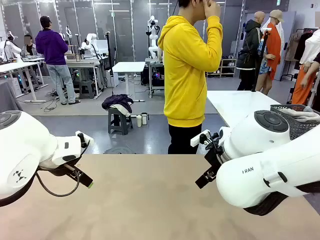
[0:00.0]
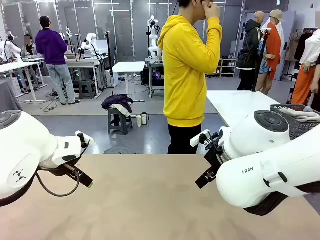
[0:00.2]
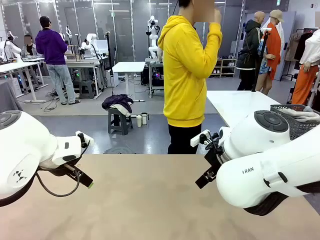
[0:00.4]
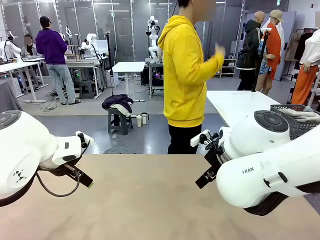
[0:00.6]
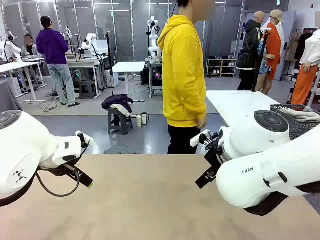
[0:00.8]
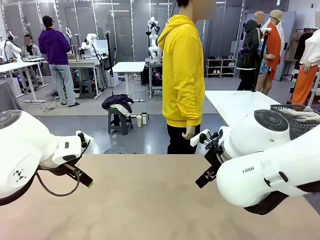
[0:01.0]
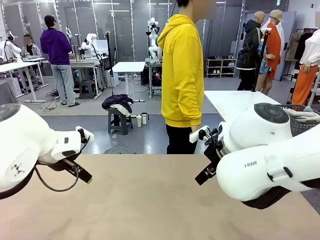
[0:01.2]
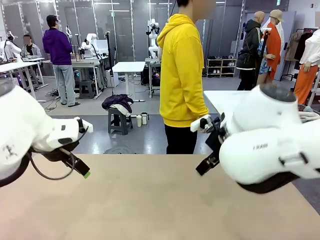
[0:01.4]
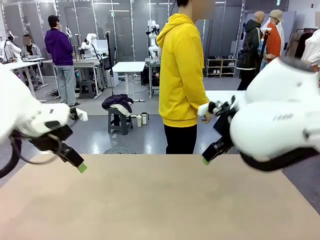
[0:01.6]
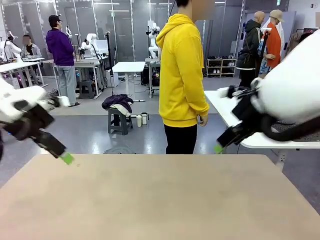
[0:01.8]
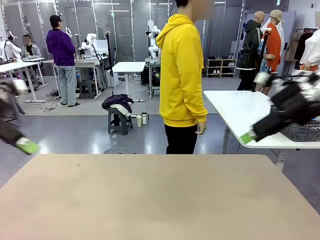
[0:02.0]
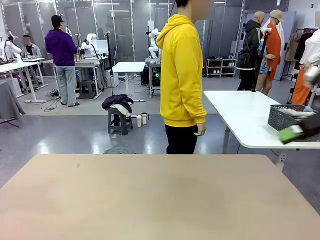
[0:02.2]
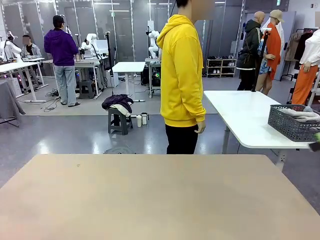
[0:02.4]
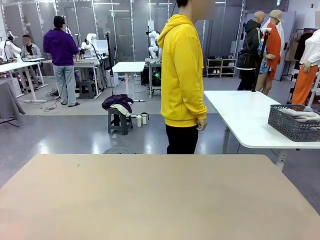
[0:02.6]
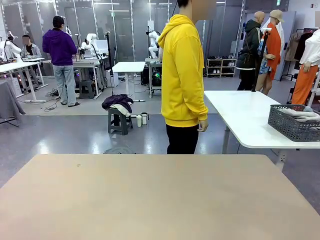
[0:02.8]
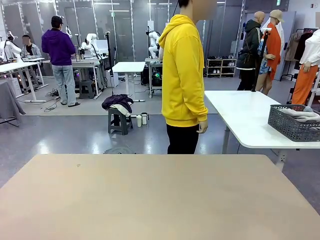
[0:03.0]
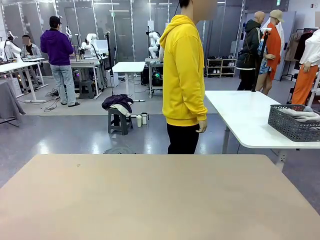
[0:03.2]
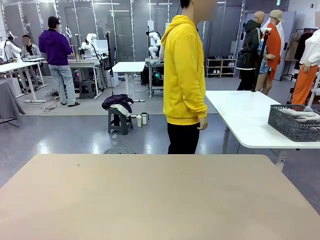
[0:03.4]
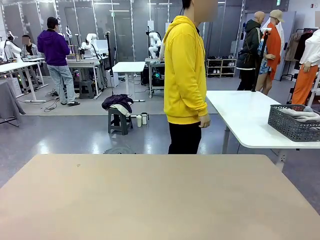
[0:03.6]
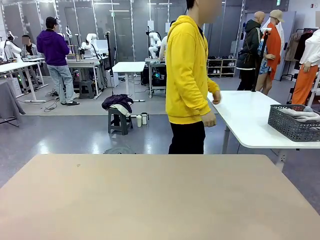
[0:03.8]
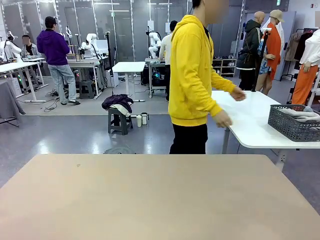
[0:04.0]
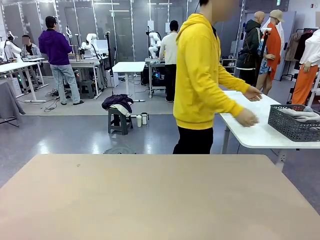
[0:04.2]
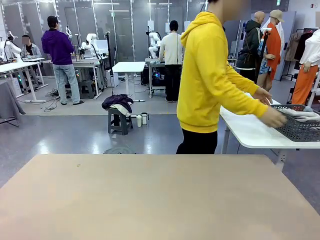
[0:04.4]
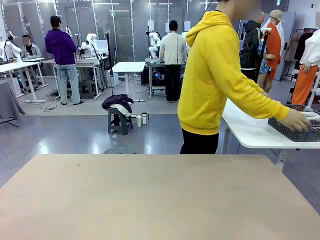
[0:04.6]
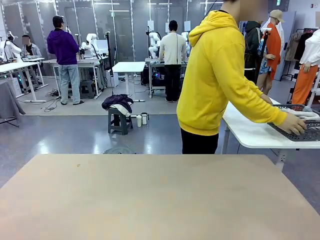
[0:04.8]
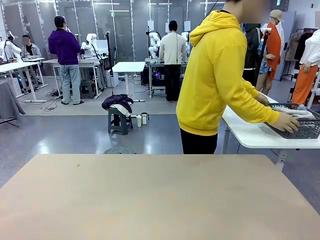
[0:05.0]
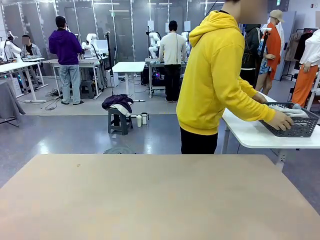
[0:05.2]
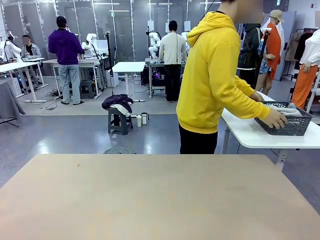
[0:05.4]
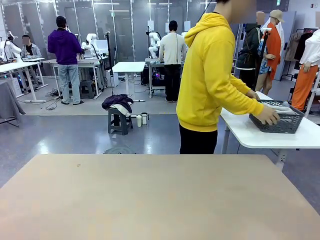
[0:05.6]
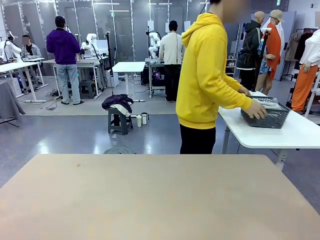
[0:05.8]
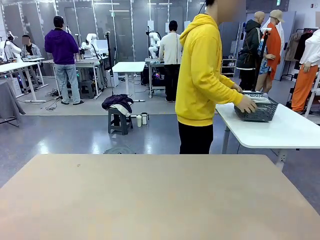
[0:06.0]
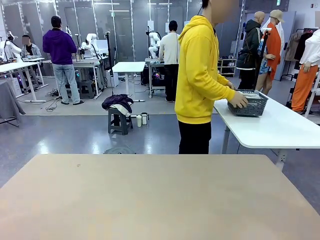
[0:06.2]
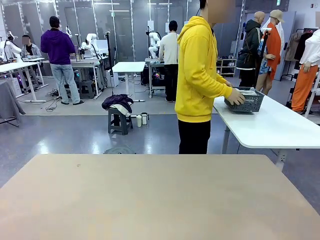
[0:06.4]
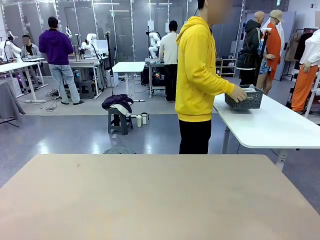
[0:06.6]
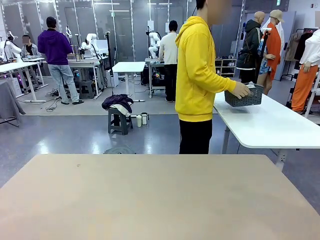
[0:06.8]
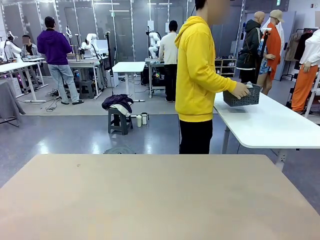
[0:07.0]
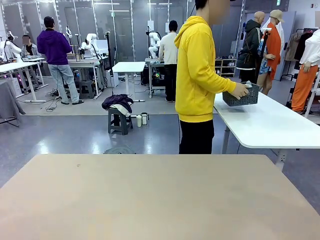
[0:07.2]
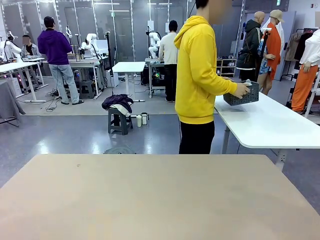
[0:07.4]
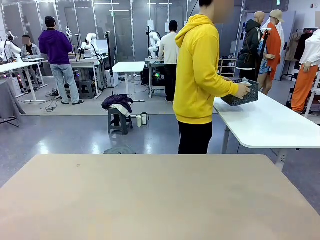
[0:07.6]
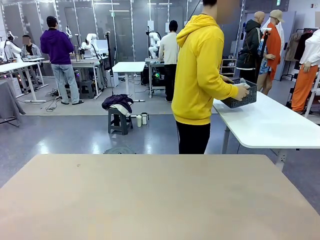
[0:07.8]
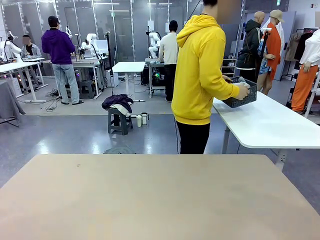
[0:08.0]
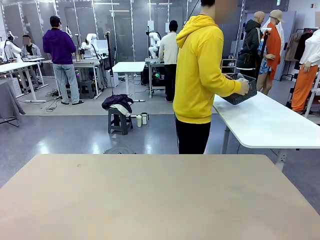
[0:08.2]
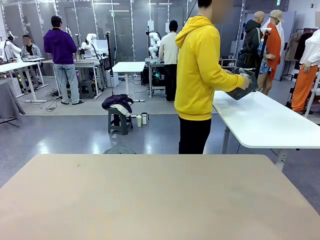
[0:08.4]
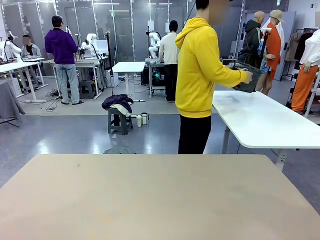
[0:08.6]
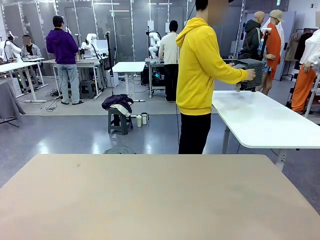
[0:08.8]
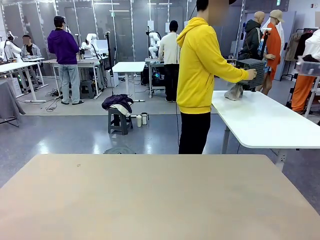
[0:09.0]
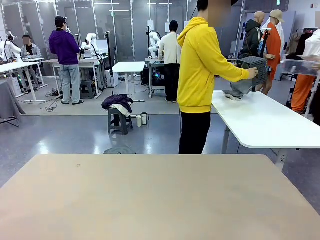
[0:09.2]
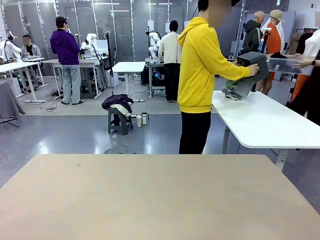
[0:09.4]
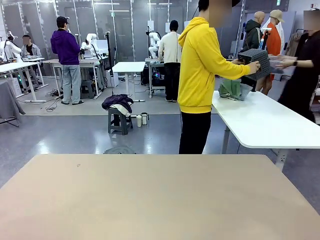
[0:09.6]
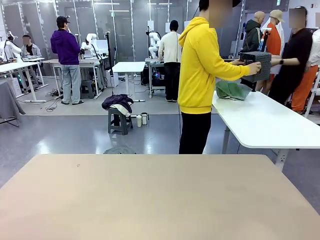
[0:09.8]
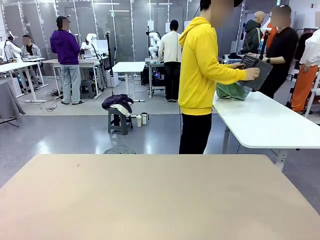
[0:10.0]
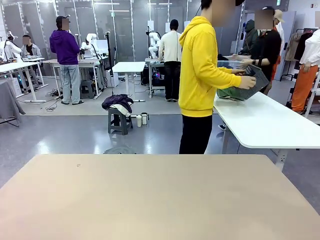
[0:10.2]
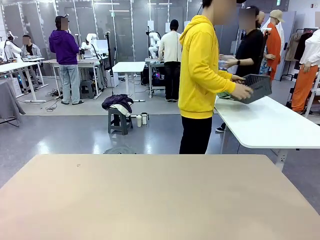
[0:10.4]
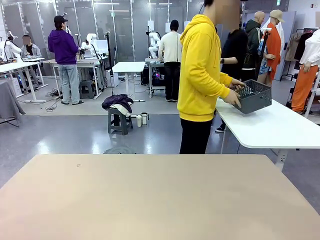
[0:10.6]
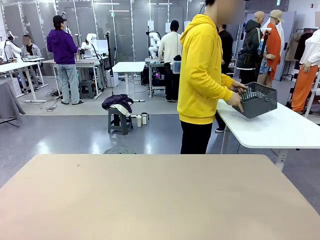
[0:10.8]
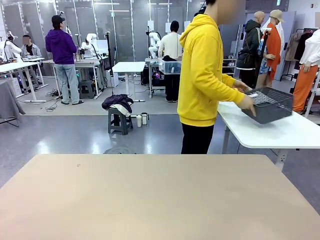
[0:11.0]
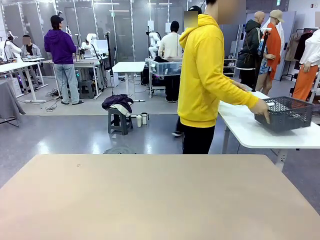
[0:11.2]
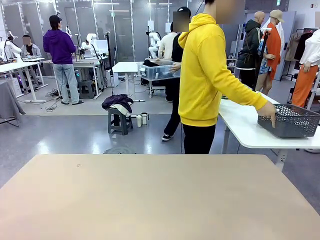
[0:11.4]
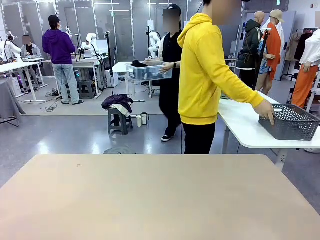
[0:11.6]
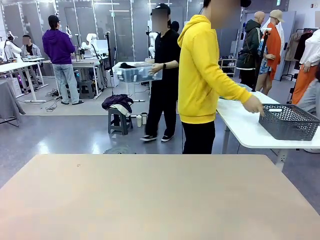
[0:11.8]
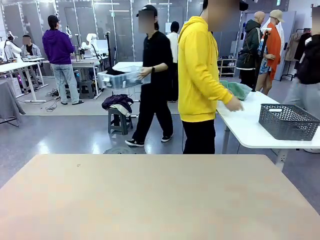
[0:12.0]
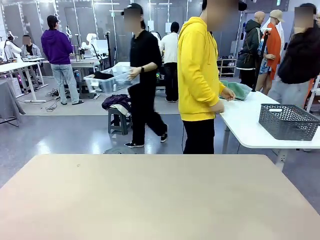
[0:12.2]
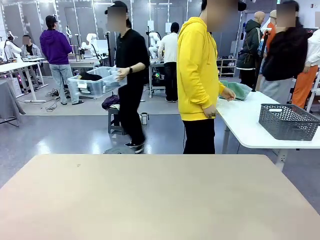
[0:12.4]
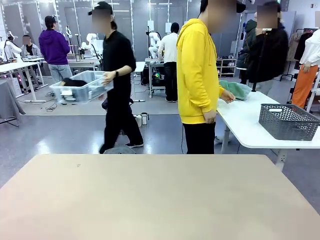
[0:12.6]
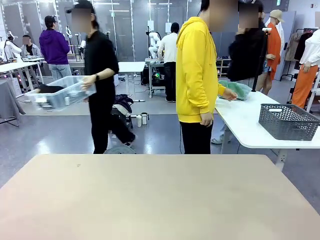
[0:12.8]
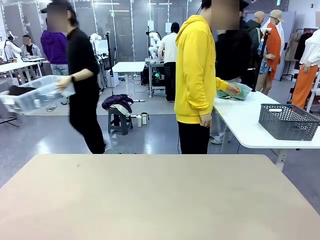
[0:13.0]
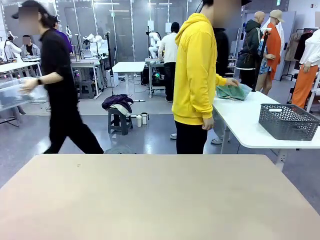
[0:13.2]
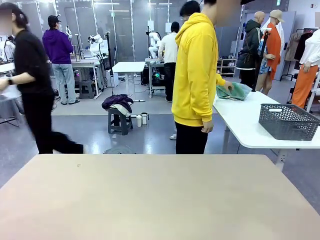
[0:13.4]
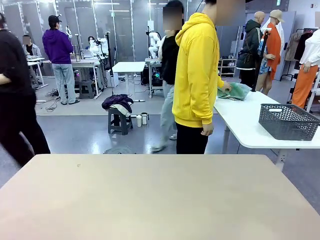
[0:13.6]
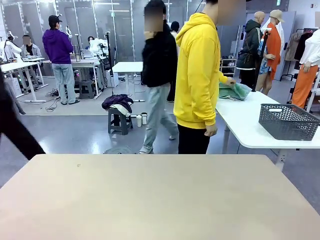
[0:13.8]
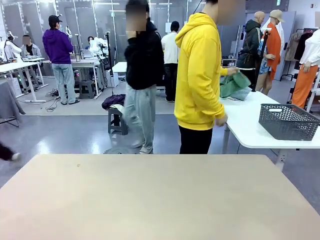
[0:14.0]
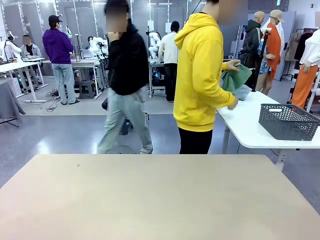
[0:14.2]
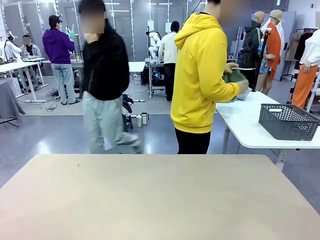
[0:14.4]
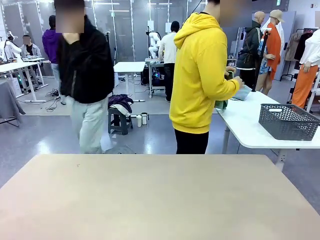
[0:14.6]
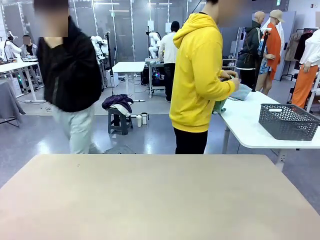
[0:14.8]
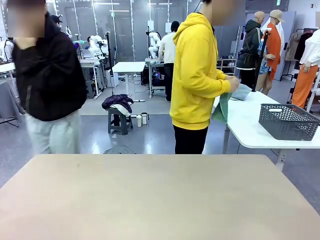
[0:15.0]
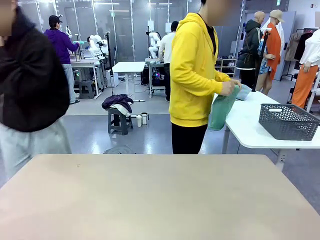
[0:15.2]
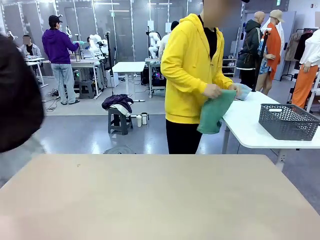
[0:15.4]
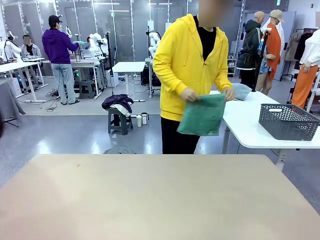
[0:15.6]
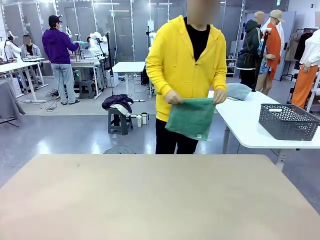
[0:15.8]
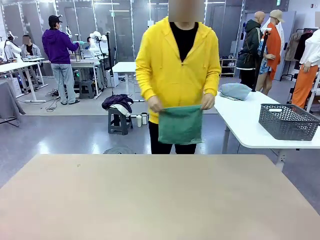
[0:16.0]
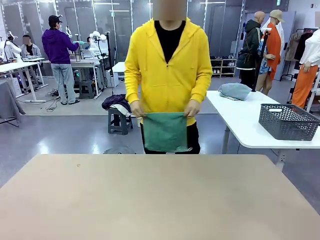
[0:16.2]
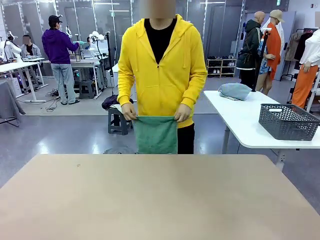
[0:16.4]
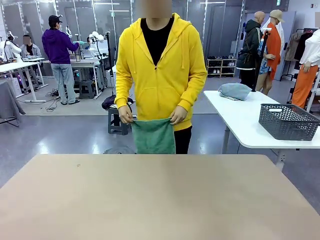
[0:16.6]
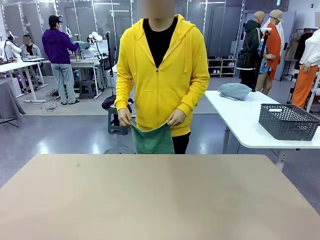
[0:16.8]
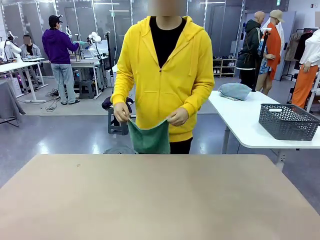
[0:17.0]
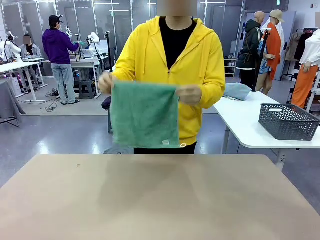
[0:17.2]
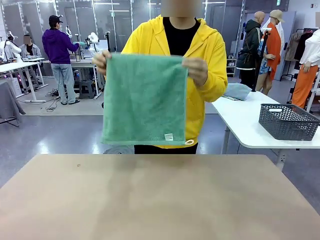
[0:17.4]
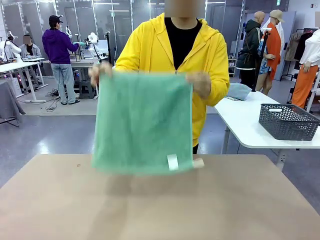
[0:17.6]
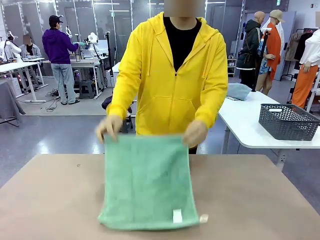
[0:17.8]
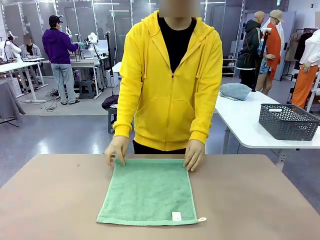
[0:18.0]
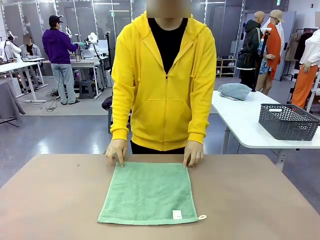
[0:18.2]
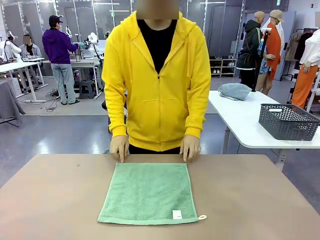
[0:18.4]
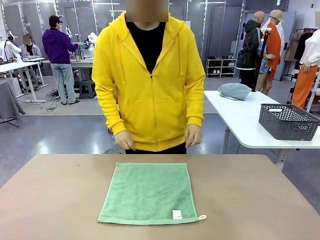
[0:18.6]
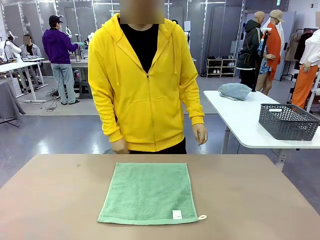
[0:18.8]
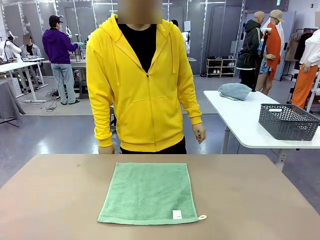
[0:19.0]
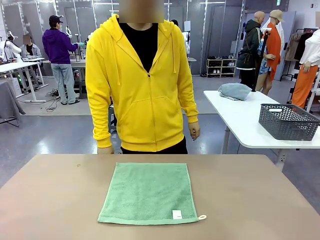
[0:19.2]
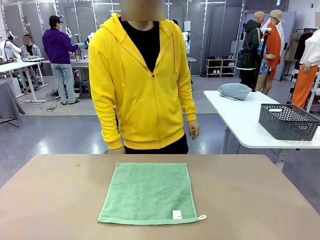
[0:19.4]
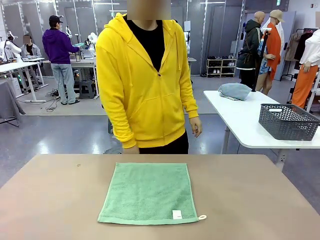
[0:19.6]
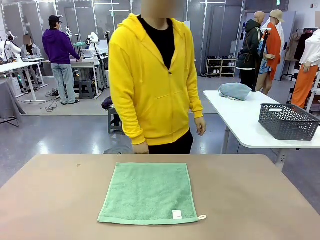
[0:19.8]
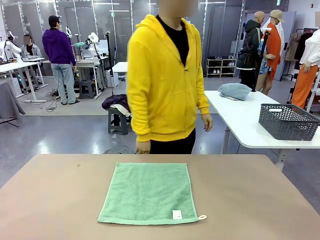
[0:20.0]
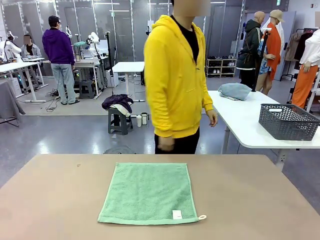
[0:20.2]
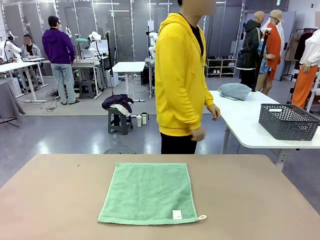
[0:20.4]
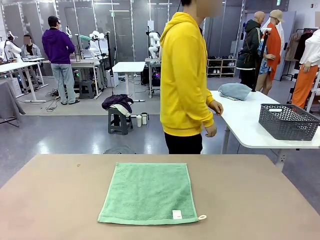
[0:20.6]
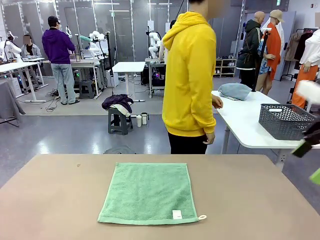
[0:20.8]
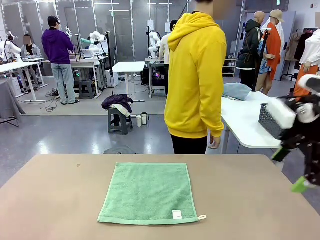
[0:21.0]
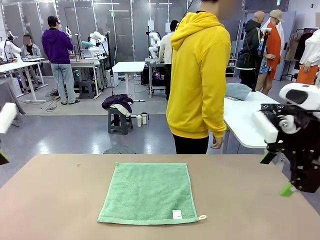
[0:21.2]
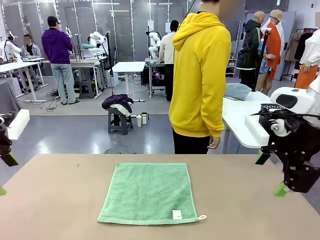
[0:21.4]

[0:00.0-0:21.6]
Task: Fold the towels and place them in the basket.
Robot: When a person lays out a Towel with hook on the table, fold it in half twice.
Person: Pick up the basket, pour the towels onto the left side of the human table, and place the basket on the right side. Pick up one towel and spread it out at the center of the robot table.
